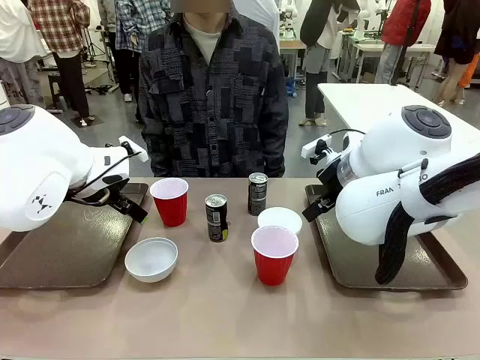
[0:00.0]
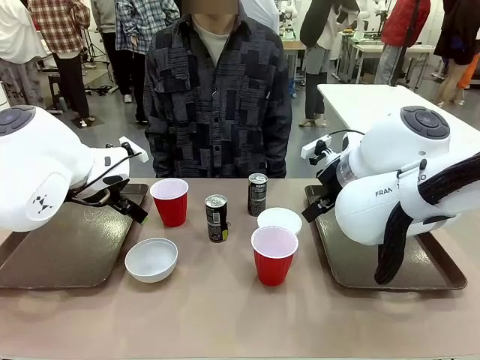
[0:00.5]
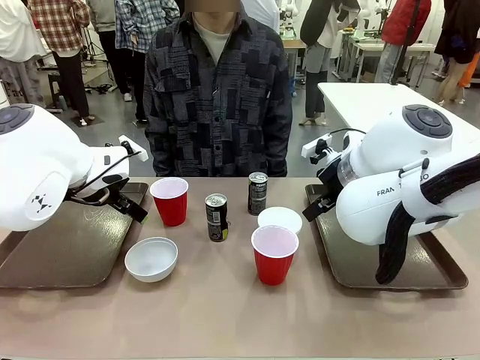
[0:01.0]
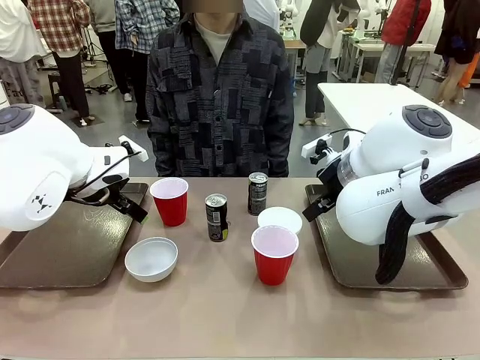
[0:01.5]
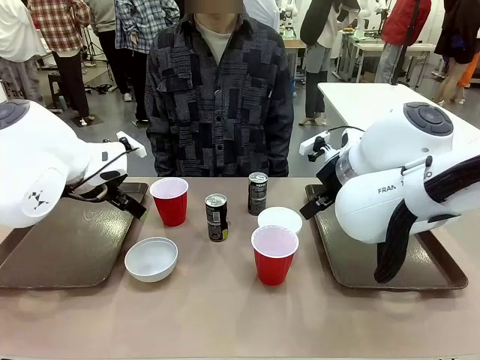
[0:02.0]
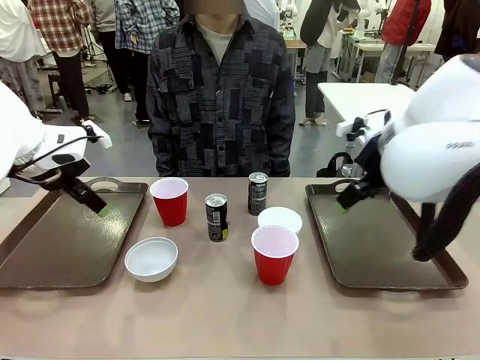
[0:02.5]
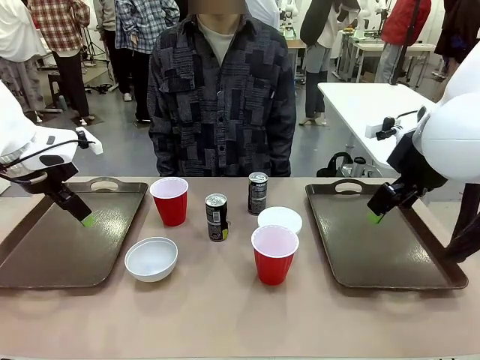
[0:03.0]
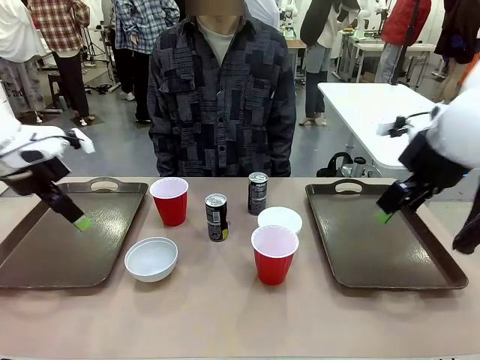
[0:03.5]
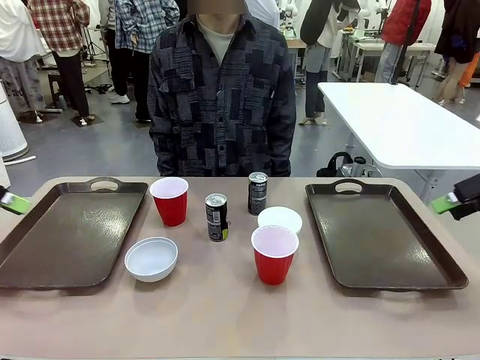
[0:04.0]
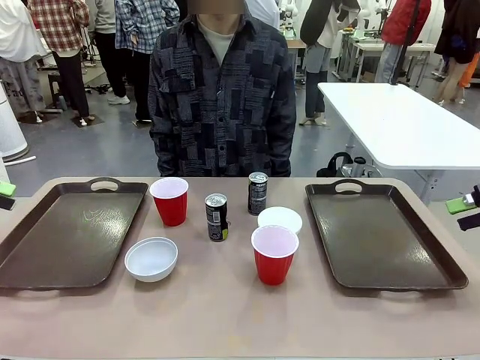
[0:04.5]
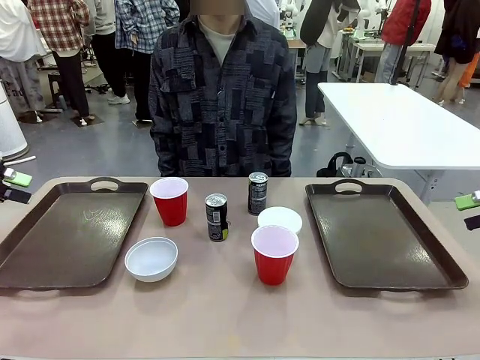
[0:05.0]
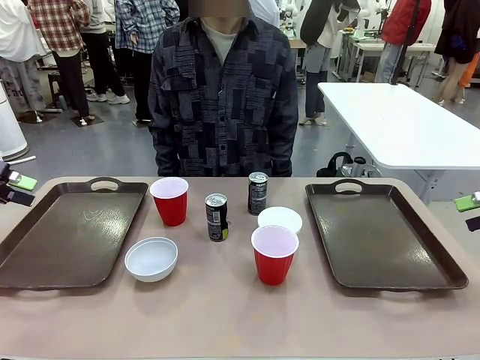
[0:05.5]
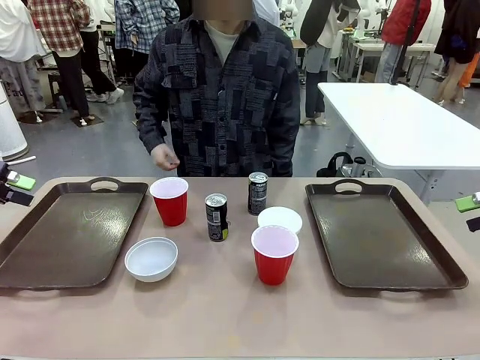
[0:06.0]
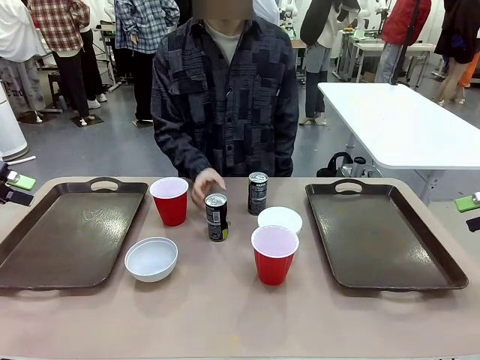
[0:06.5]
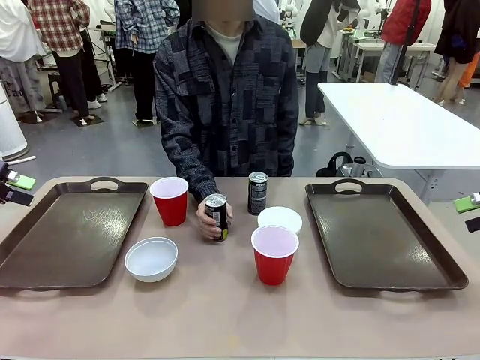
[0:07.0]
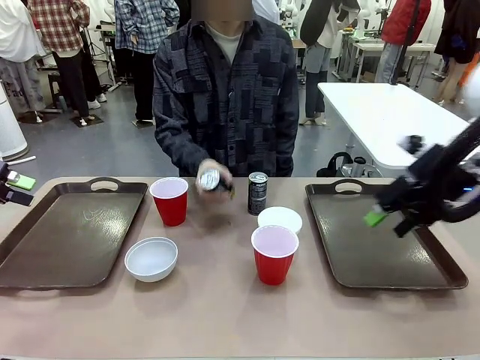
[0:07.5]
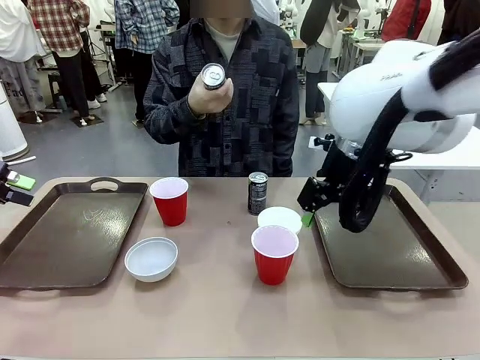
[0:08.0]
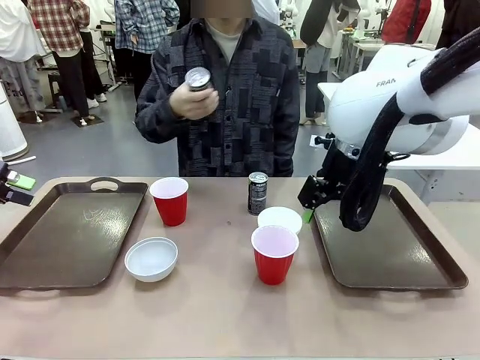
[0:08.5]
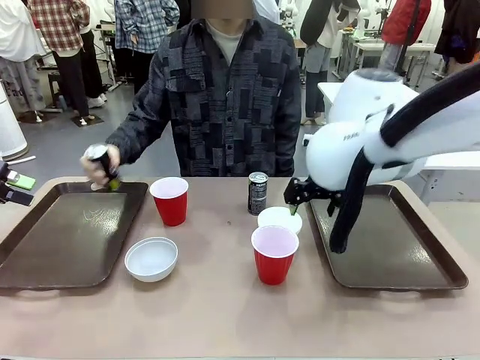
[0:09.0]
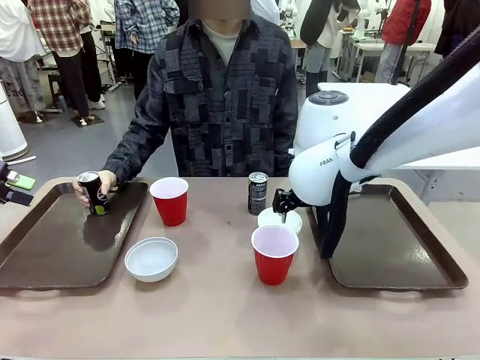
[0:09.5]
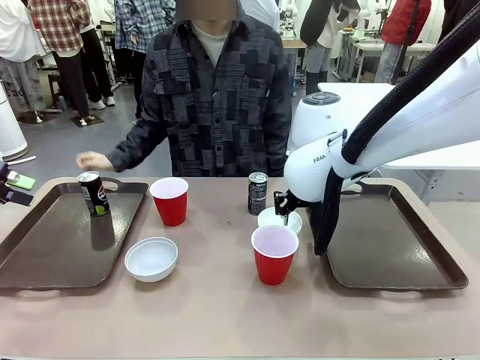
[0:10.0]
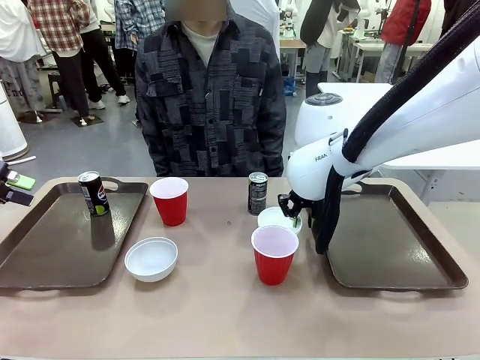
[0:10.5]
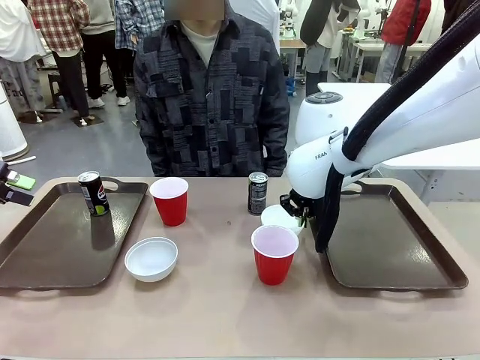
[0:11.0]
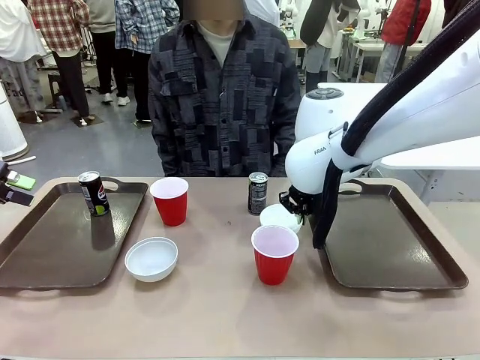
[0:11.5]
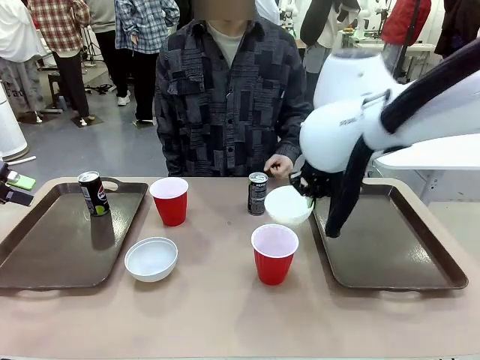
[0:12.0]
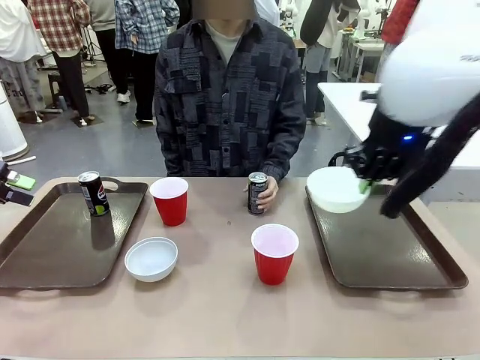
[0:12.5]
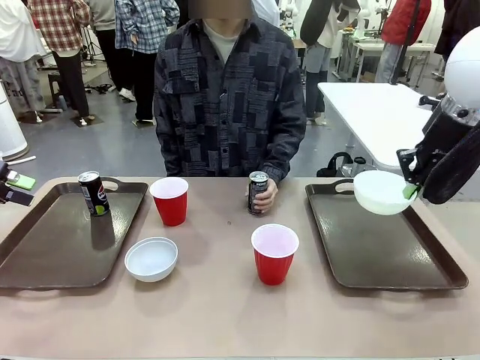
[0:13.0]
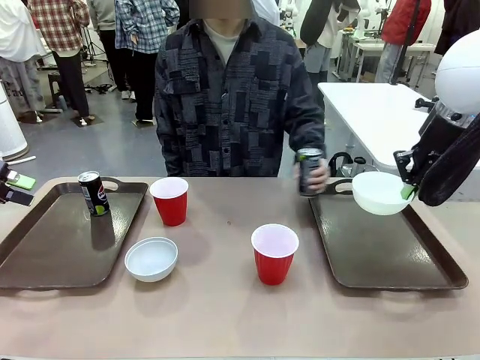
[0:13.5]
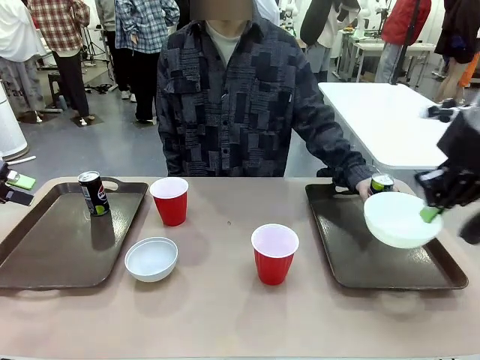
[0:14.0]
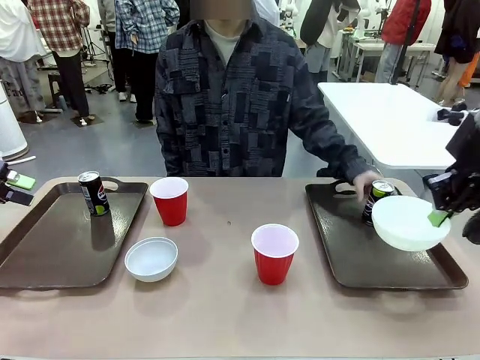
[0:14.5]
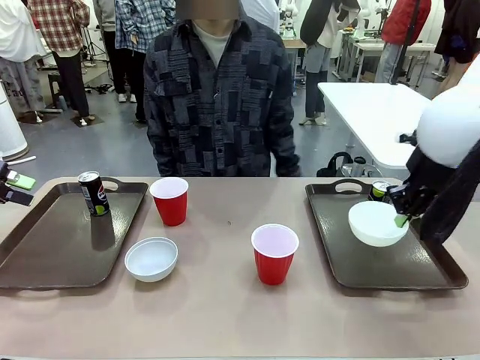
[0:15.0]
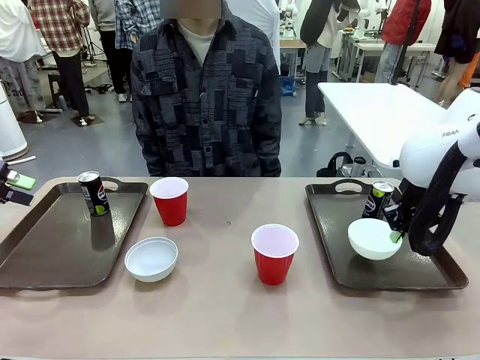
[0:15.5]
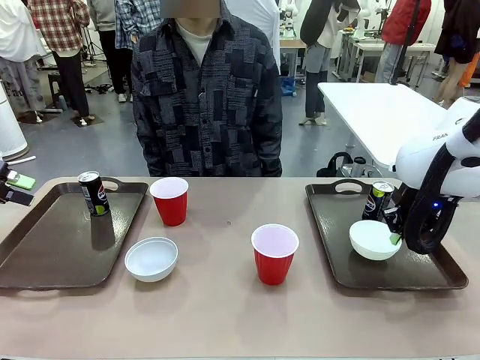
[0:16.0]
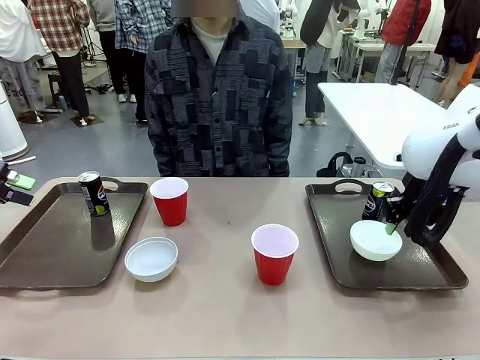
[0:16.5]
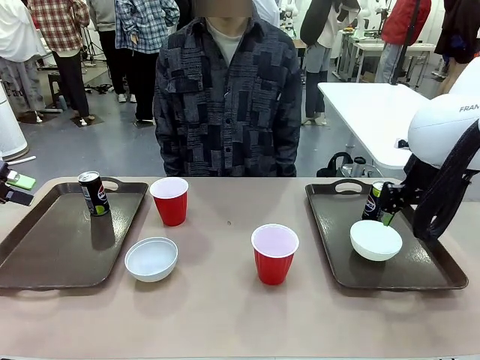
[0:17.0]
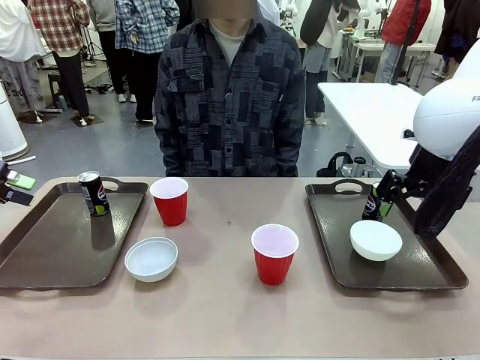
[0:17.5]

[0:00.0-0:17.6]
Task: Prepare tableware on both trays.
Robot: Pick up a Picnic Bowl from the table and place it on a Handle tray.
Person: Pick up a can or cup and place it on the tray.

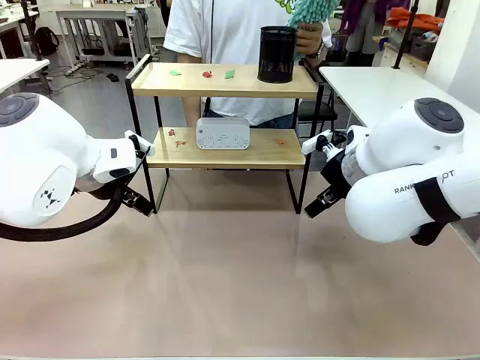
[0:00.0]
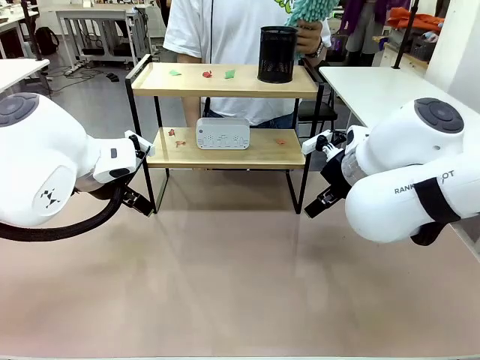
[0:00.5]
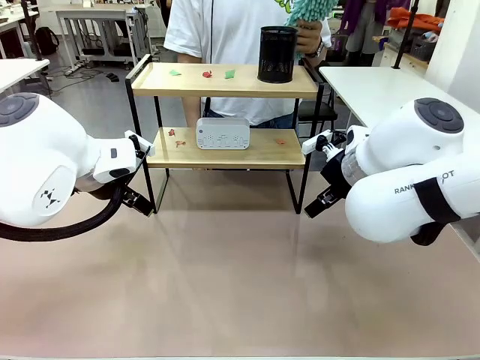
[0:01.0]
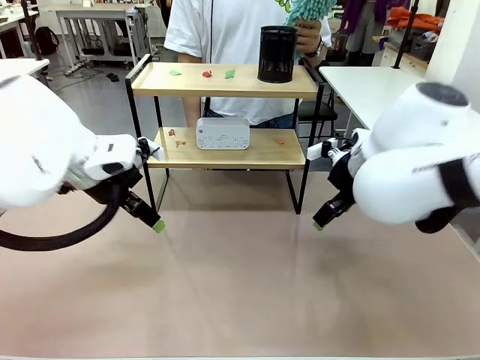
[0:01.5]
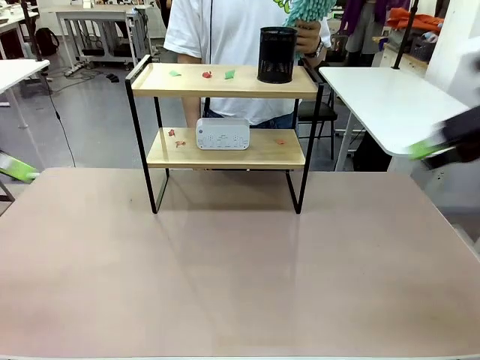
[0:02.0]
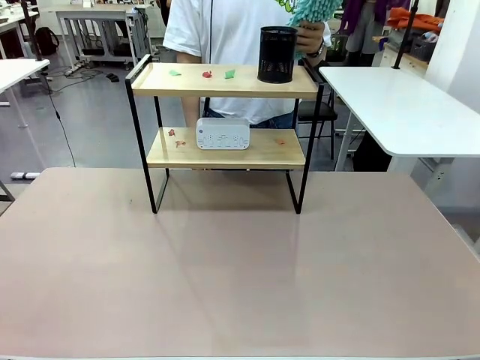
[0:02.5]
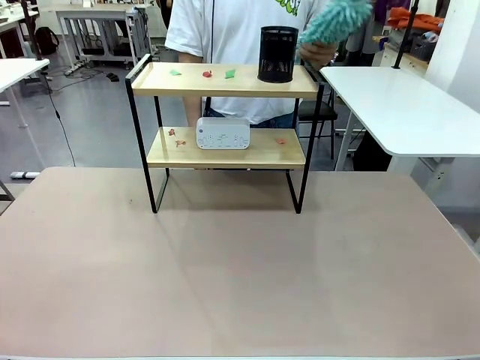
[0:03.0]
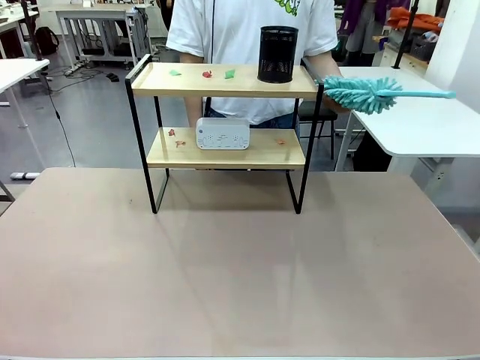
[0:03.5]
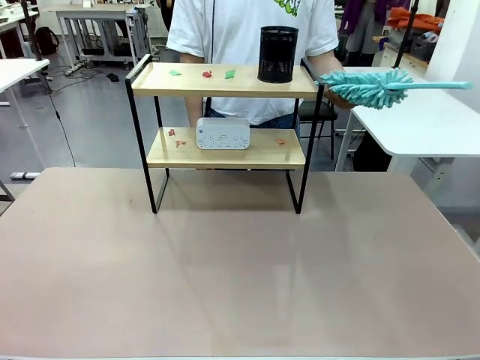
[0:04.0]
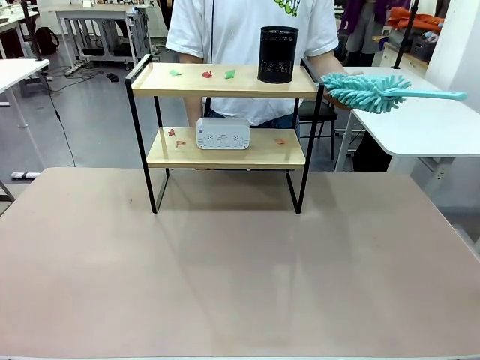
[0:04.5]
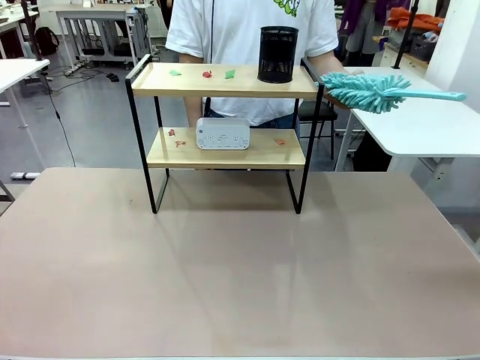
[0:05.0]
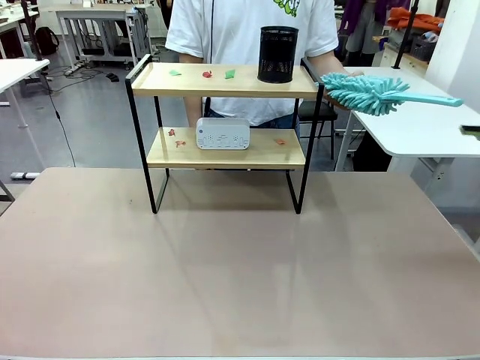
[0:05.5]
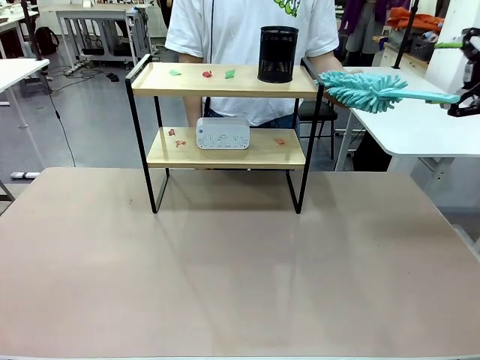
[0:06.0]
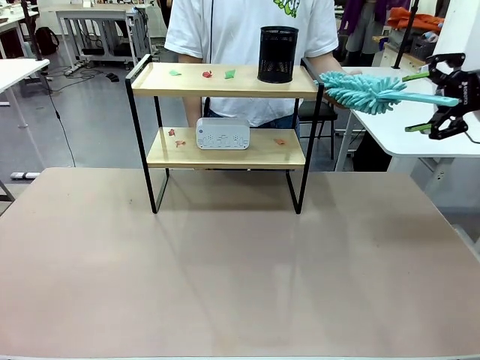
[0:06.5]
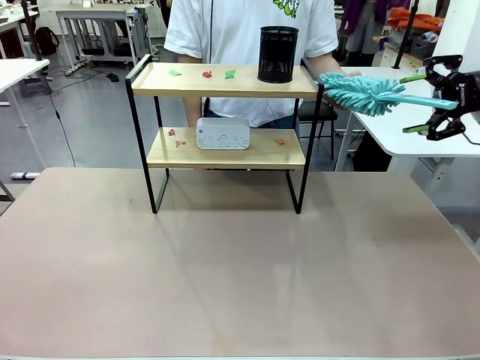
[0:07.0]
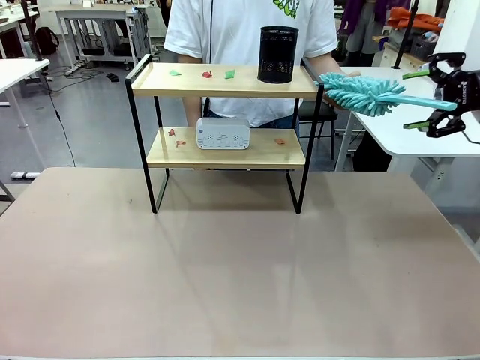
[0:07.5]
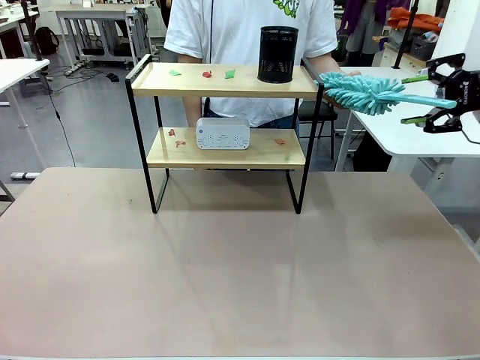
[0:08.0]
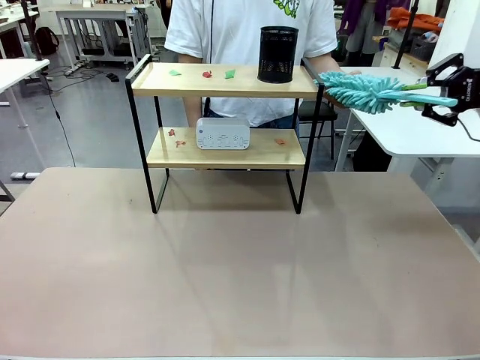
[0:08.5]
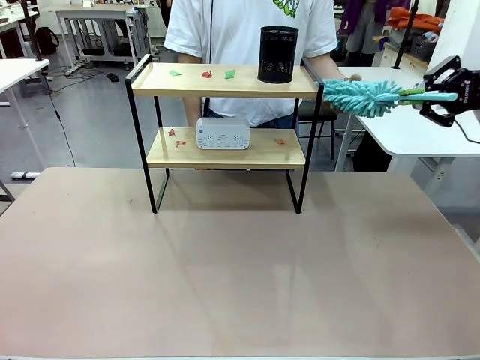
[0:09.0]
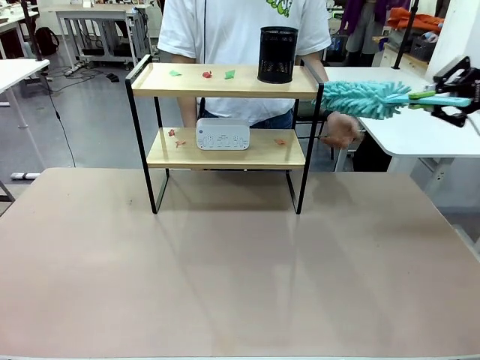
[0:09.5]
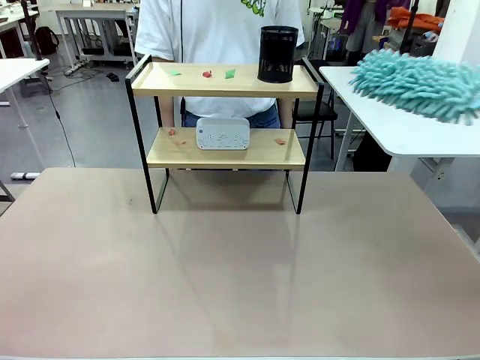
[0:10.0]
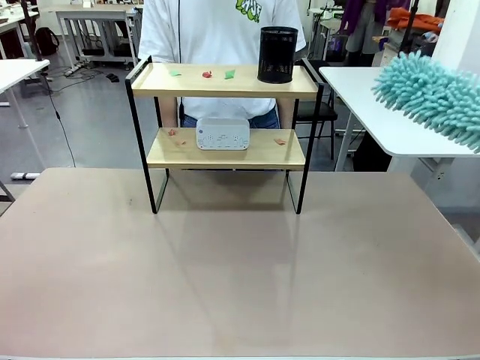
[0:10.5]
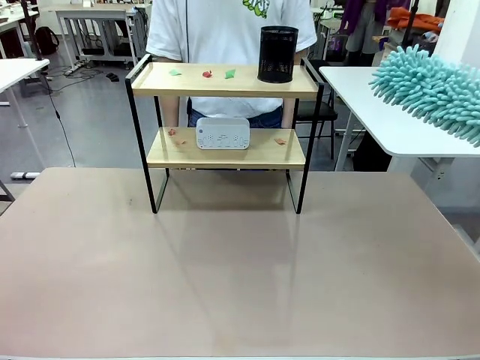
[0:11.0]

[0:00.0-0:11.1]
Task: Clean the shelf.
Robot: Pick up the Duster from the human.
Person: Hand the Duster to the robot.
